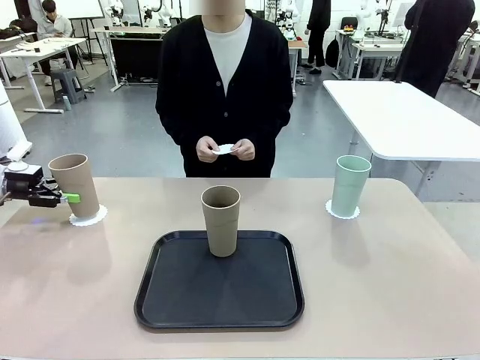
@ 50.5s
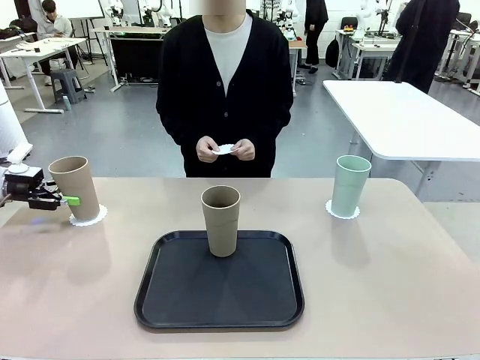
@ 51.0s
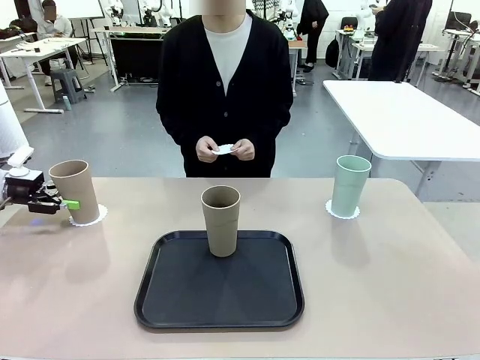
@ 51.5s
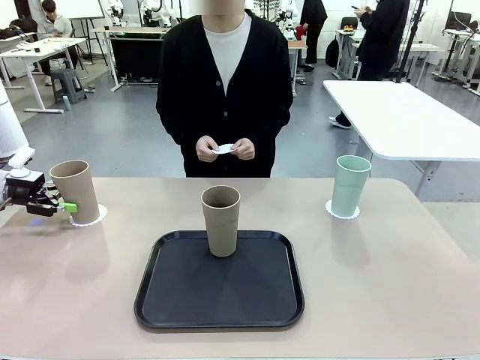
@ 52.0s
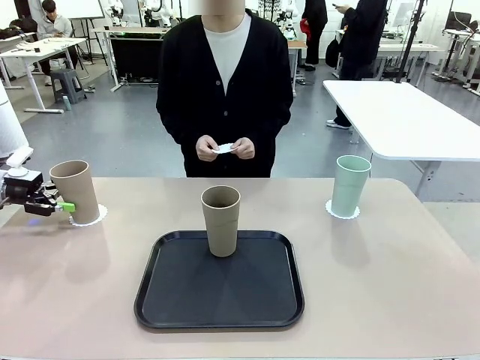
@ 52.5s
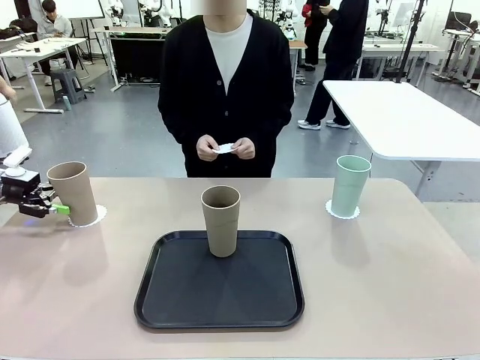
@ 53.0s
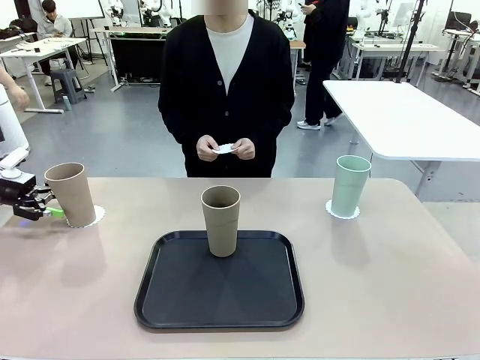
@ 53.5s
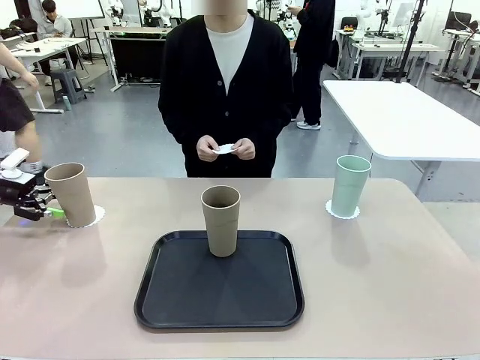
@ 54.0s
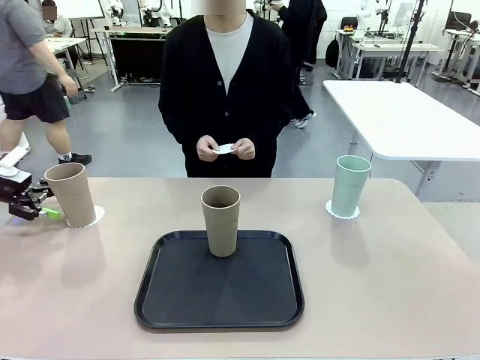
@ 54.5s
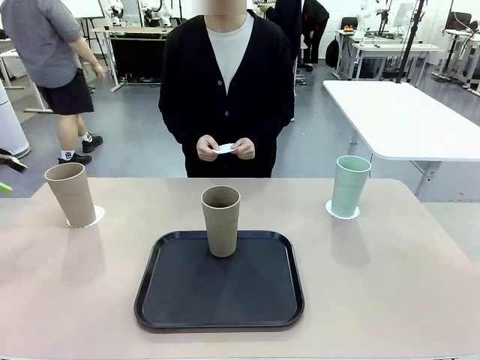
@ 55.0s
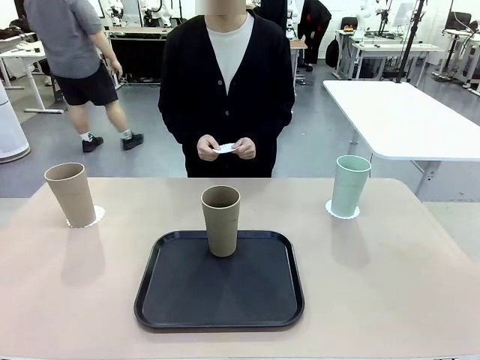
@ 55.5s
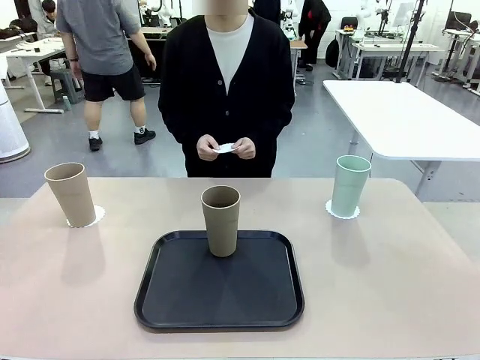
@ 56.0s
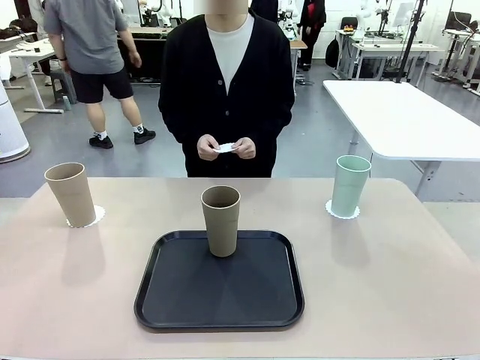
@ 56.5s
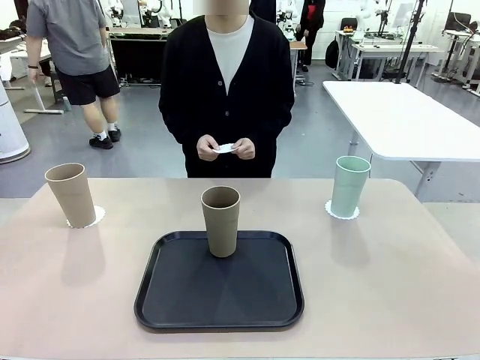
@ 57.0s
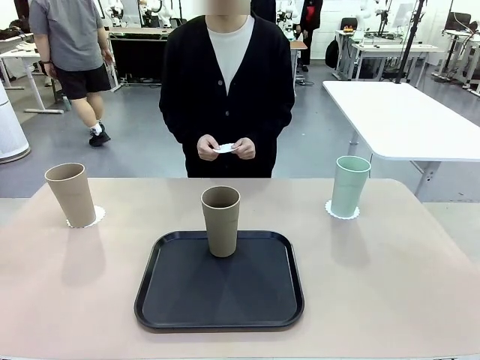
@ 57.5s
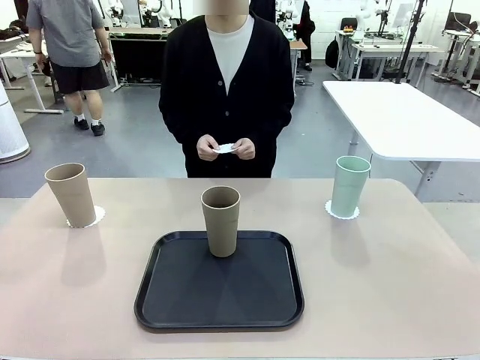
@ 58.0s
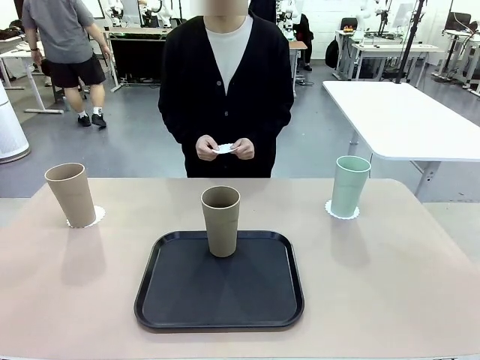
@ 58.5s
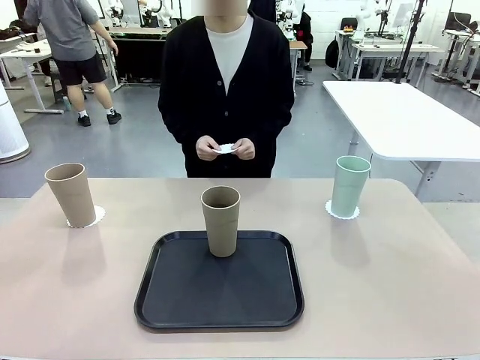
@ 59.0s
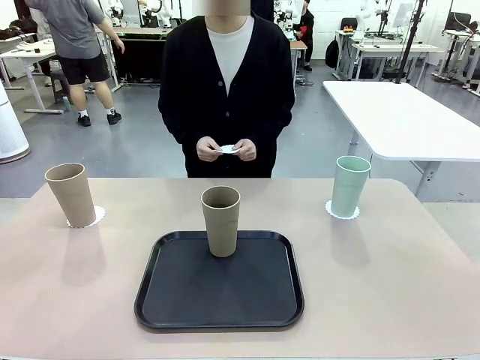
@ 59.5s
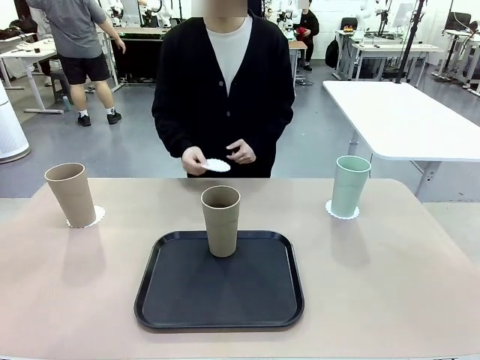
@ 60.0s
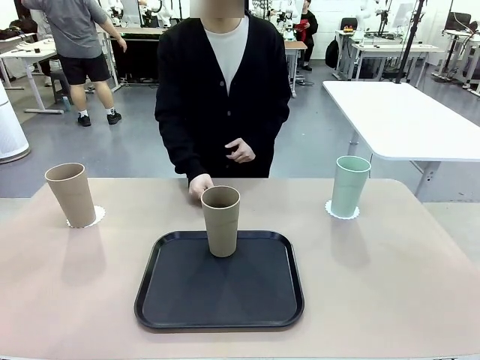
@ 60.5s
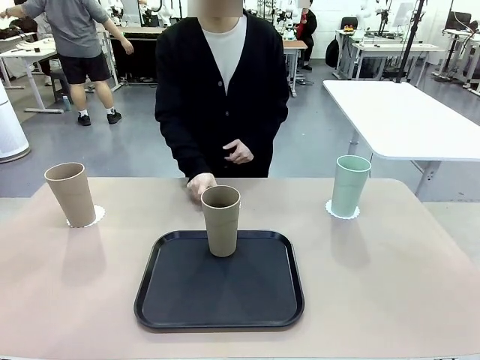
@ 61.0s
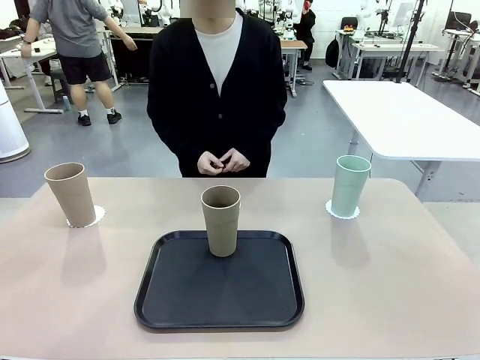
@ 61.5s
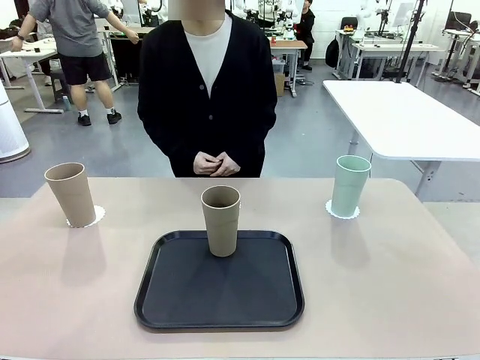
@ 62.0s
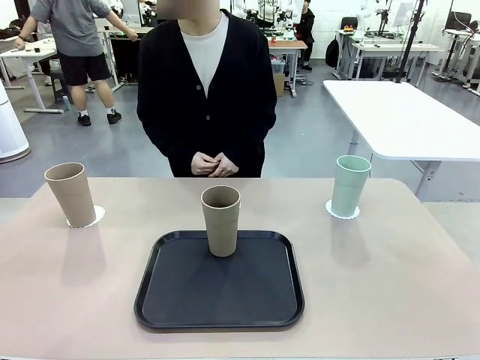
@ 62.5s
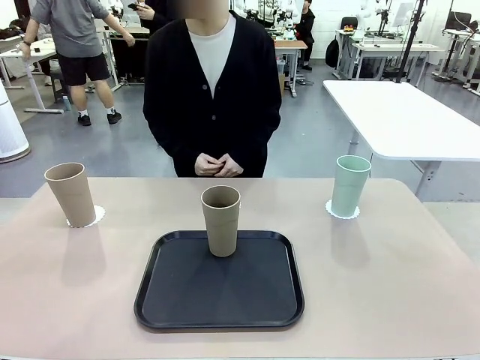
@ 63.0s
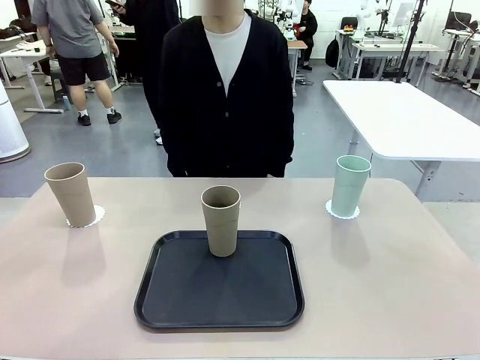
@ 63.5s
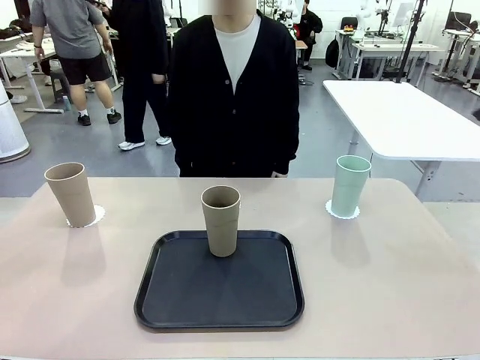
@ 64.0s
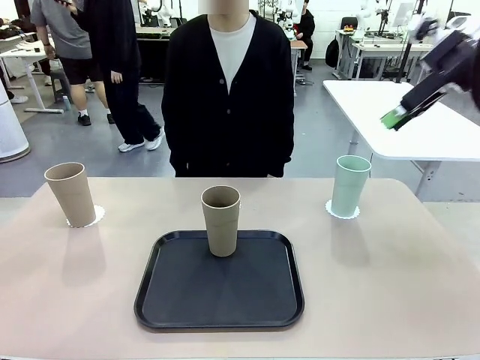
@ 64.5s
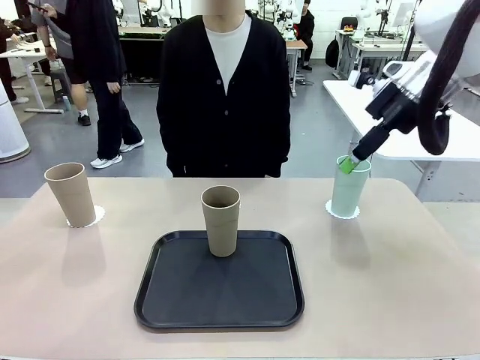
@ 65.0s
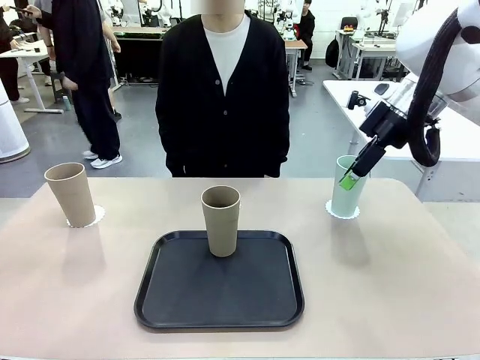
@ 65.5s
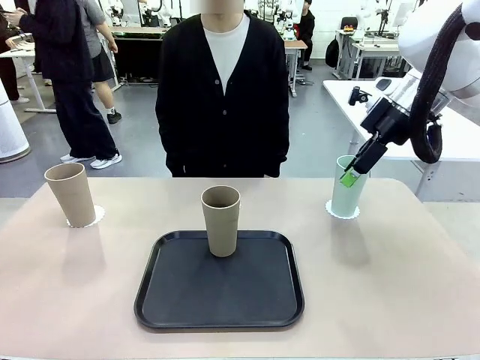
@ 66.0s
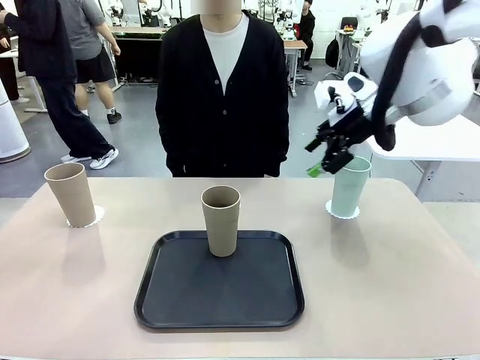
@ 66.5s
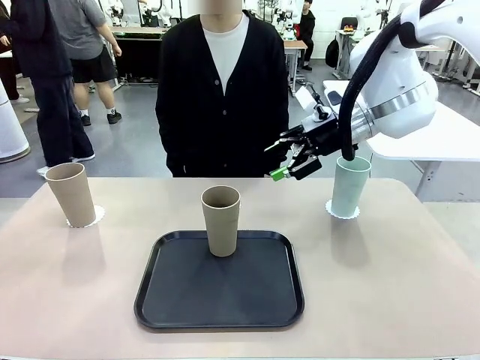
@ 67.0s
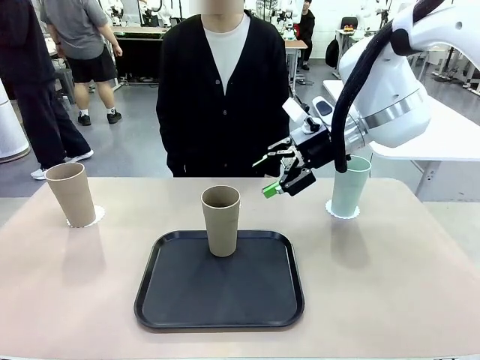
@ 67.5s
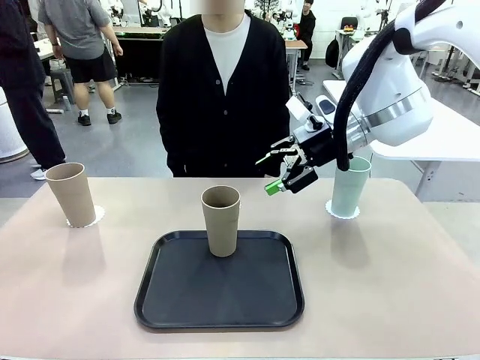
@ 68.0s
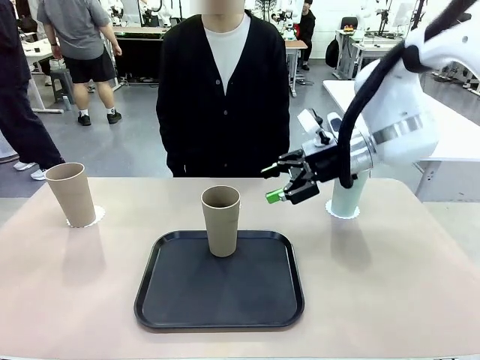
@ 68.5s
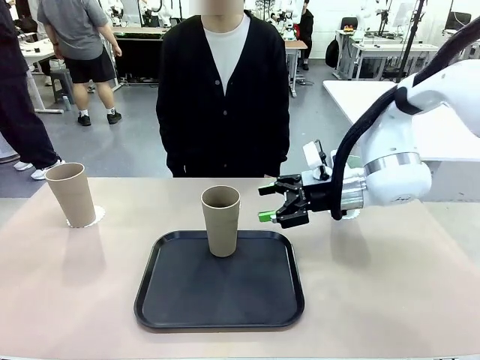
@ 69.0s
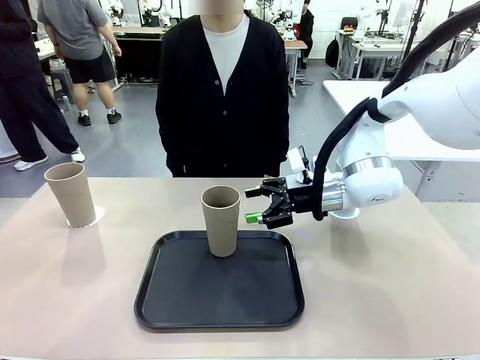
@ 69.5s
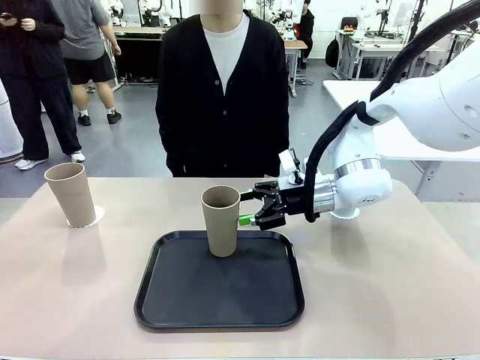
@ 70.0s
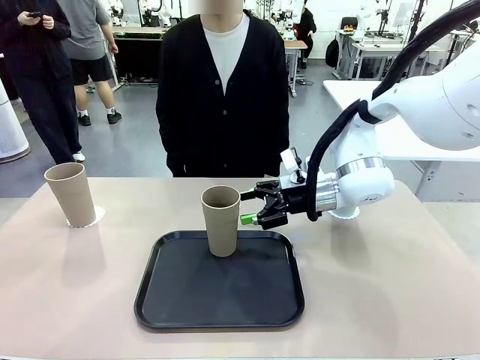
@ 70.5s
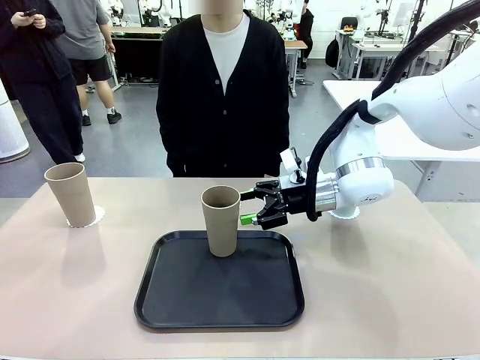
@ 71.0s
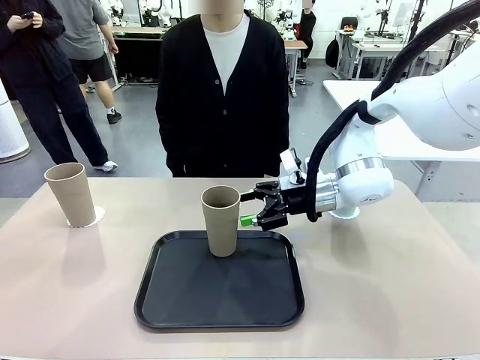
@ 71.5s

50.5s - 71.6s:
Task: Place coasters on the table and set cups on them.
Robot: Take one Reusable plastic cup from the Flat Tray and place it on a coaster set by the human.
